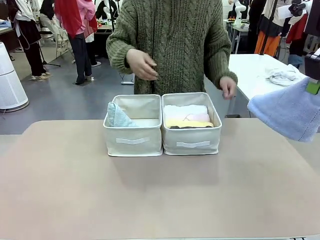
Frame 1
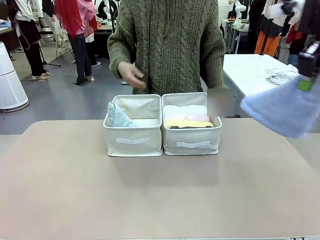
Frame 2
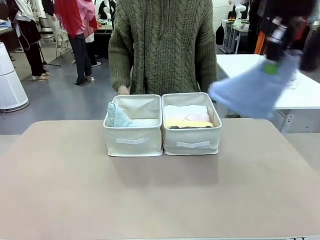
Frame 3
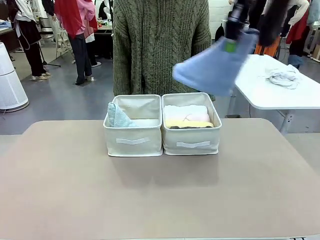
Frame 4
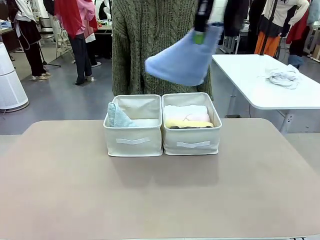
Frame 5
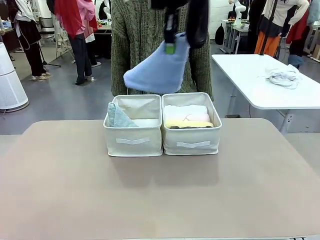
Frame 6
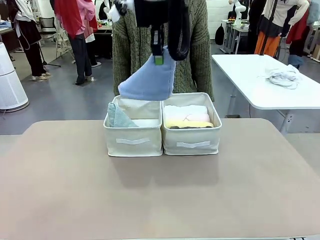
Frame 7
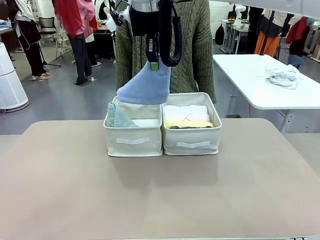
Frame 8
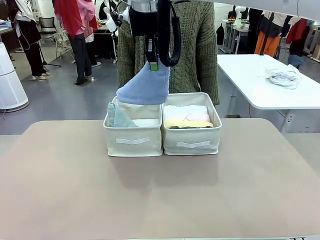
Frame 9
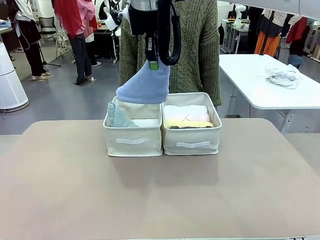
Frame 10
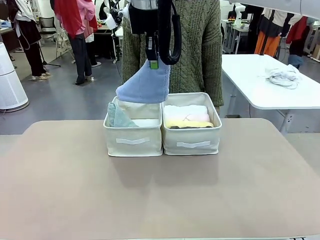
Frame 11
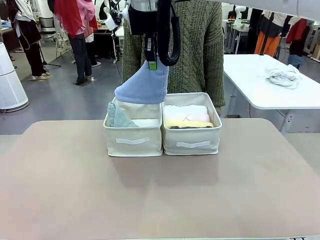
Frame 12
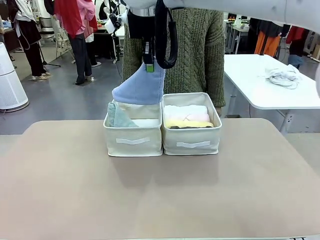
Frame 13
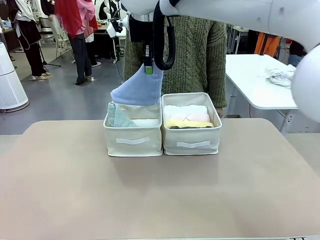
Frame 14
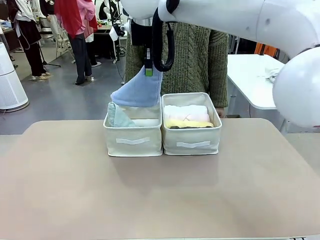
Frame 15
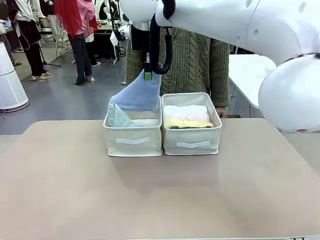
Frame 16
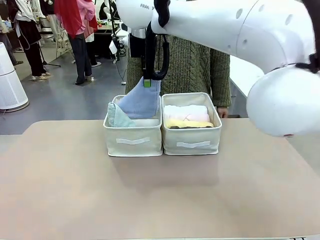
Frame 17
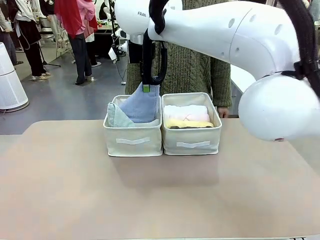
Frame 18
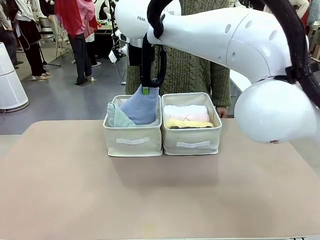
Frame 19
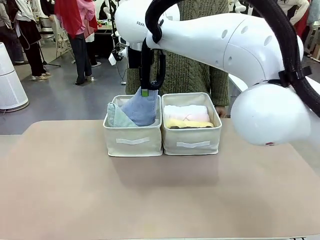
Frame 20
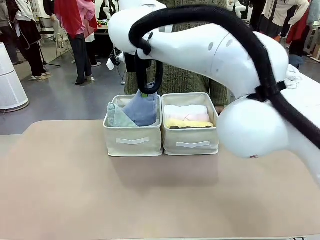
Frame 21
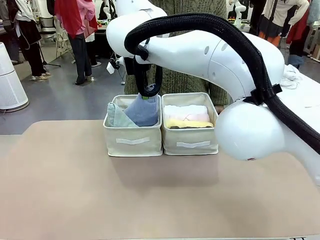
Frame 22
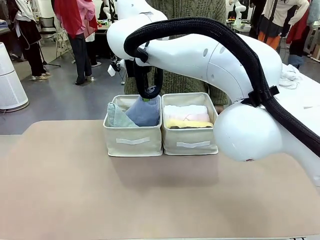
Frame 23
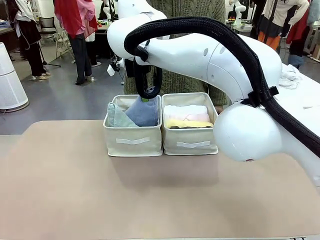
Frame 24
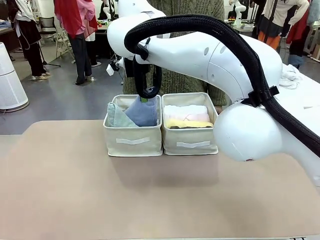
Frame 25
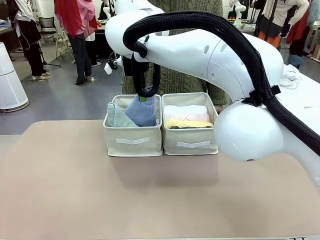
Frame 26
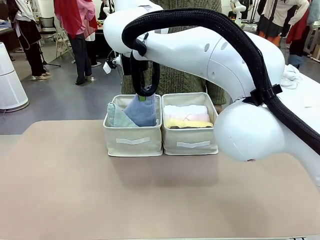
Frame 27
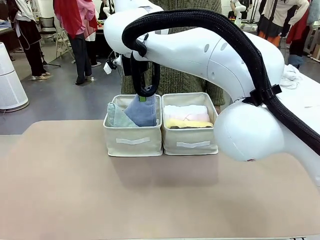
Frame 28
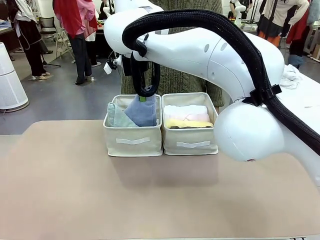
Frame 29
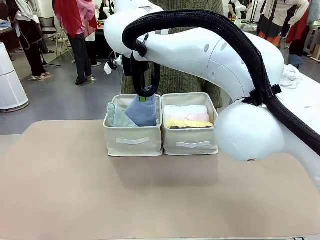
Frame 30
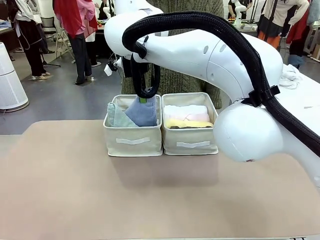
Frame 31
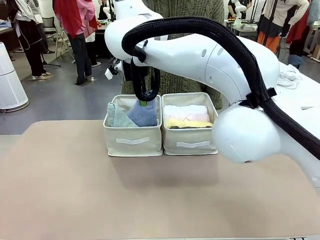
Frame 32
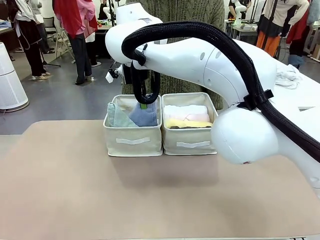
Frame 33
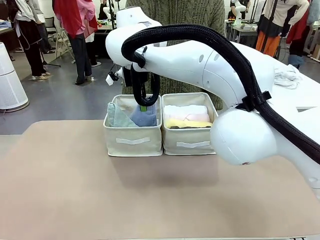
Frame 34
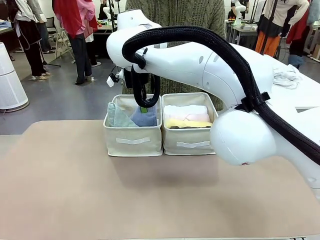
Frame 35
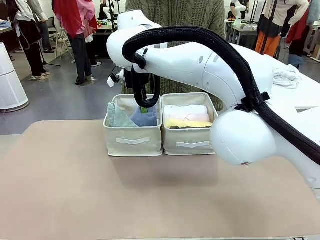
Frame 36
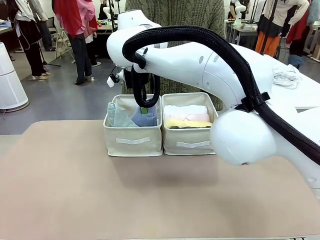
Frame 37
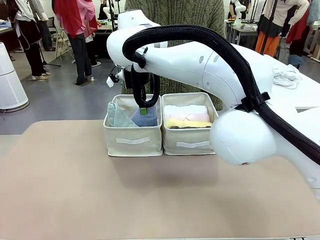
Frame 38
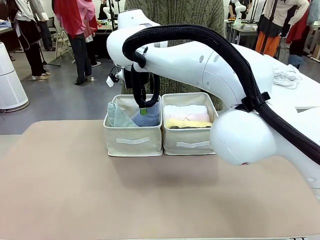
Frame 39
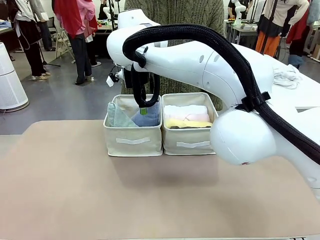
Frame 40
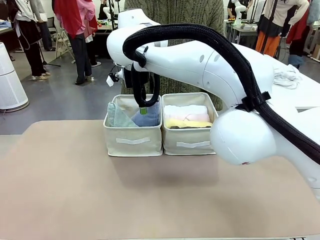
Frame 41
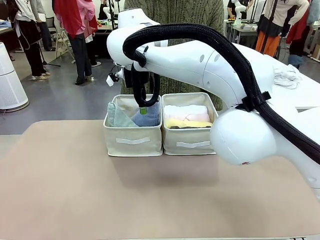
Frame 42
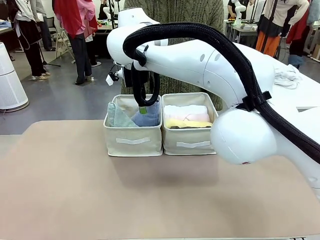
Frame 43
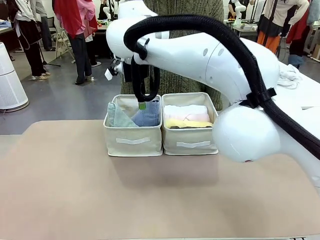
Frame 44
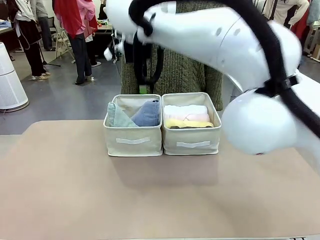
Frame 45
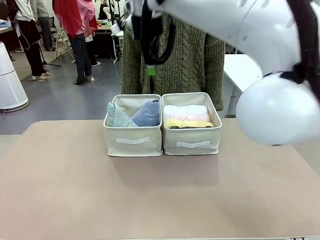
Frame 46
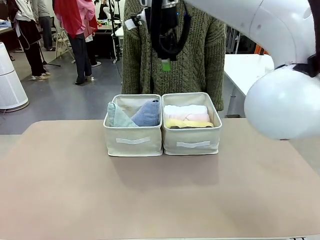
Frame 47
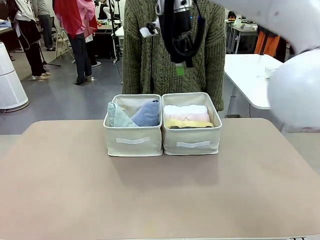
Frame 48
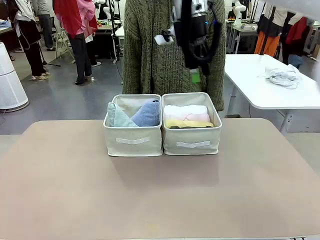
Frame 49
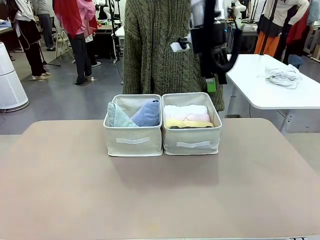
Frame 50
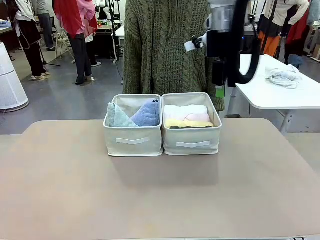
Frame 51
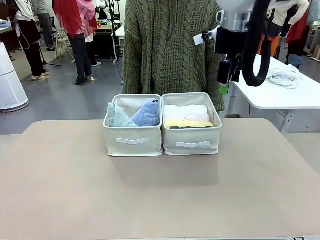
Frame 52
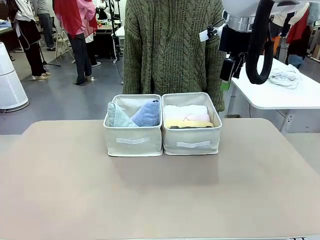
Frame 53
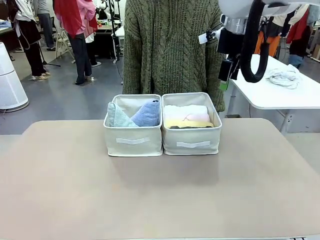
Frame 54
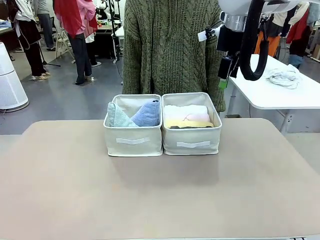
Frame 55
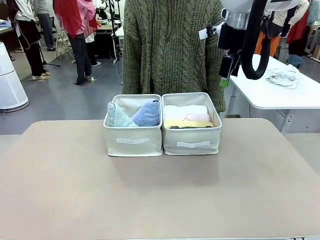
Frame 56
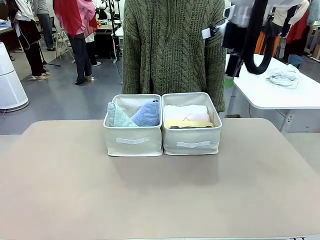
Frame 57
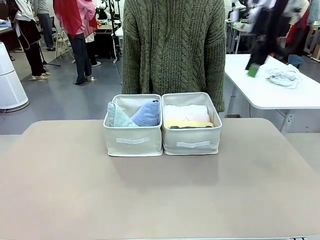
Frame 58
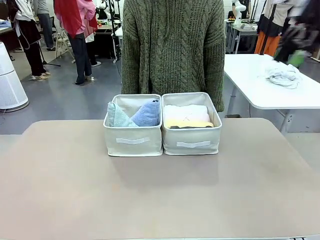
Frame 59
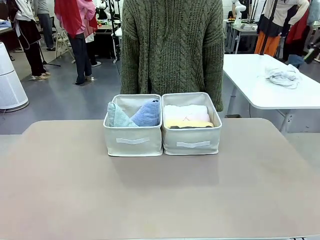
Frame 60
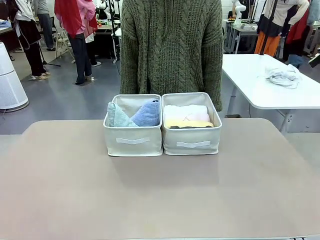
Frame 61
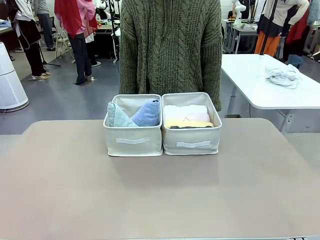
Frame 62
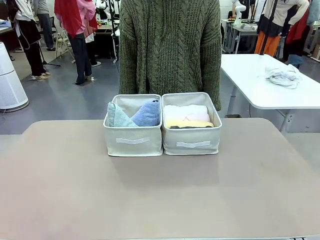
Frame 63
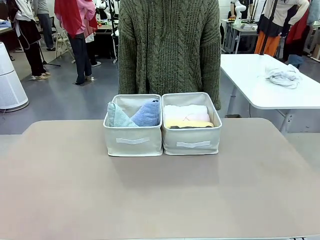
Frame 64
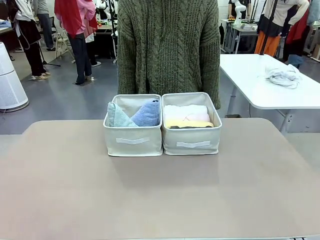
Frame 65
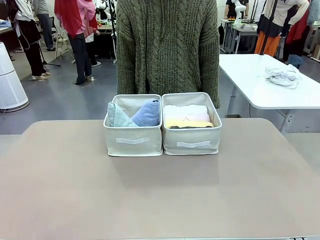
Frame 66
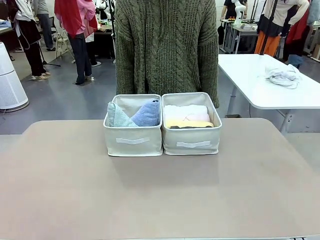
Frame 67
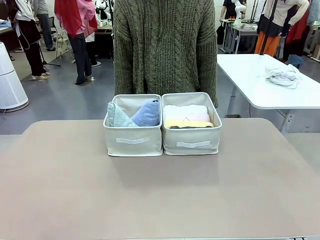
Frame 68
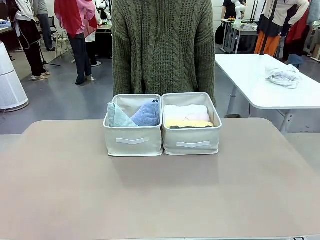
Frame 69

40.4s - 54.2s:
Task: Sort the towels based on their folding style.
Robot: Pick up another triangle-folded towel from the table and place it in the left Fabric basket.

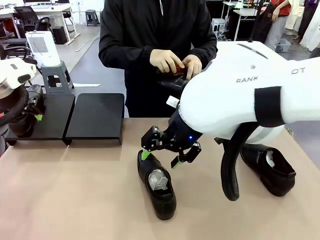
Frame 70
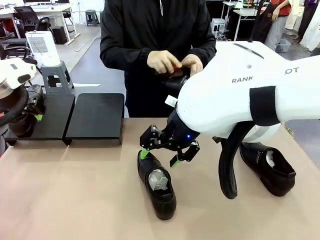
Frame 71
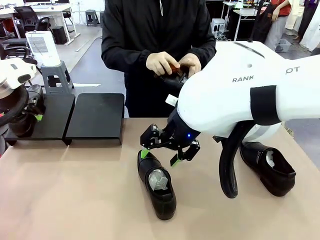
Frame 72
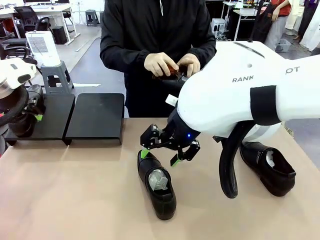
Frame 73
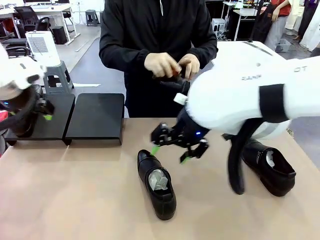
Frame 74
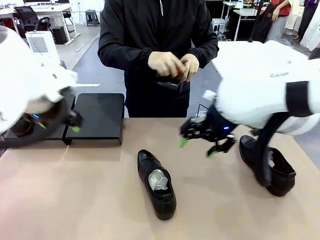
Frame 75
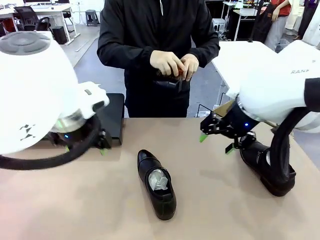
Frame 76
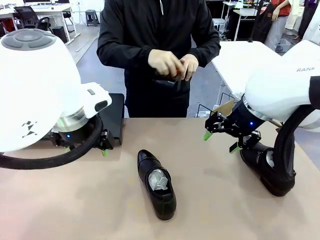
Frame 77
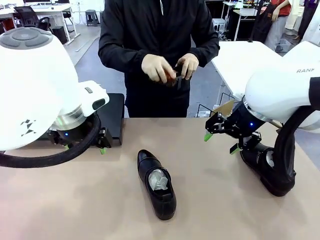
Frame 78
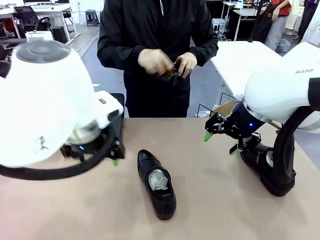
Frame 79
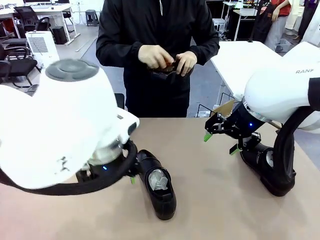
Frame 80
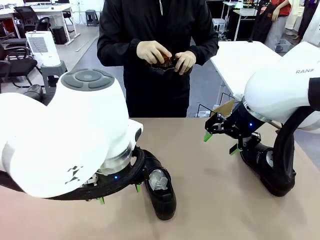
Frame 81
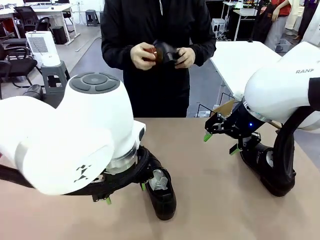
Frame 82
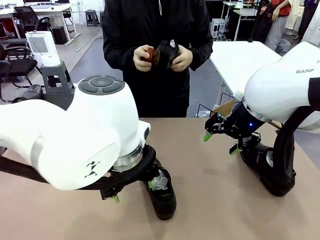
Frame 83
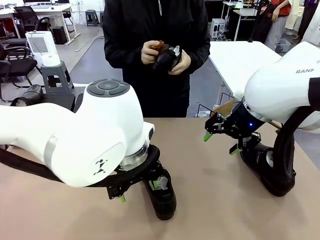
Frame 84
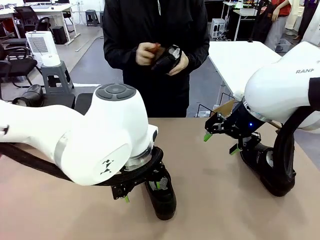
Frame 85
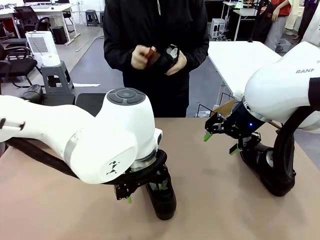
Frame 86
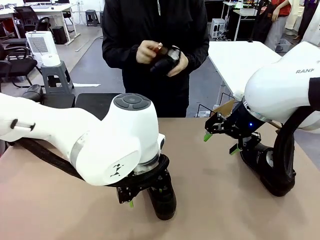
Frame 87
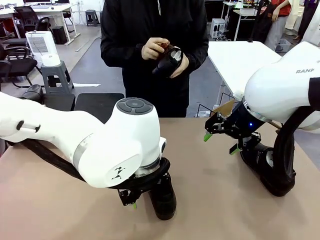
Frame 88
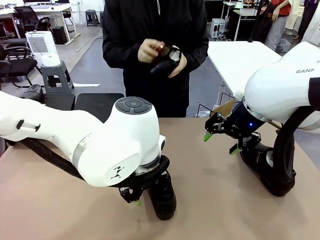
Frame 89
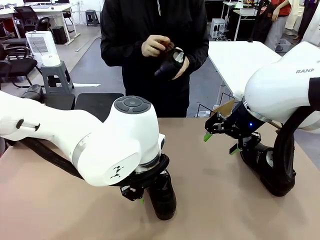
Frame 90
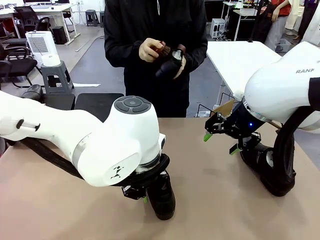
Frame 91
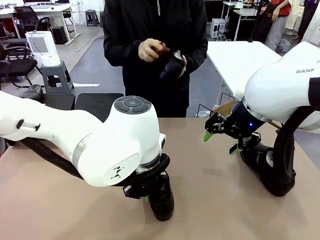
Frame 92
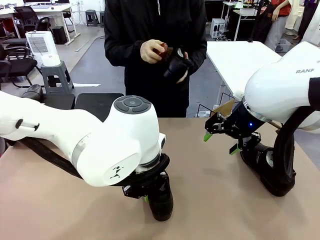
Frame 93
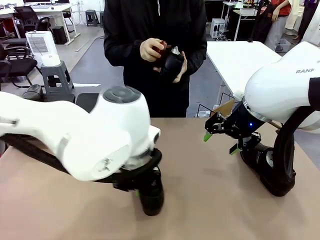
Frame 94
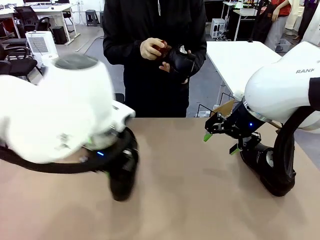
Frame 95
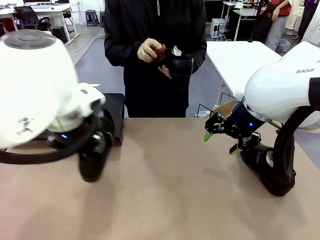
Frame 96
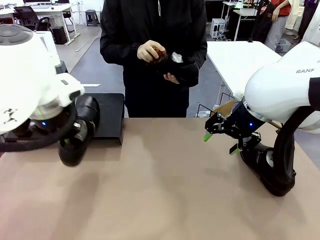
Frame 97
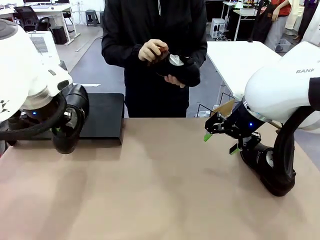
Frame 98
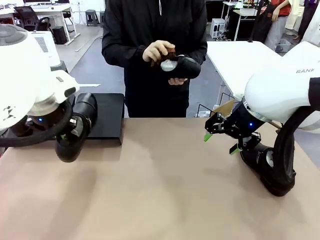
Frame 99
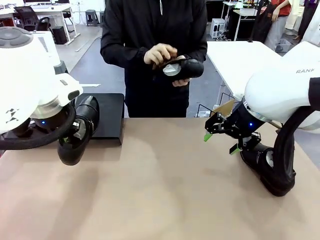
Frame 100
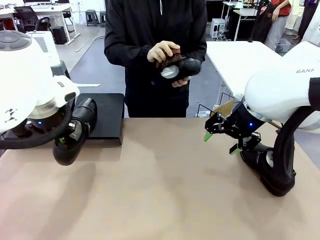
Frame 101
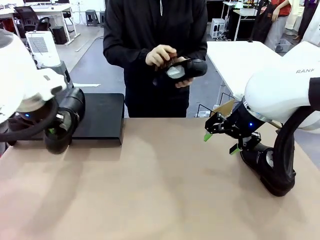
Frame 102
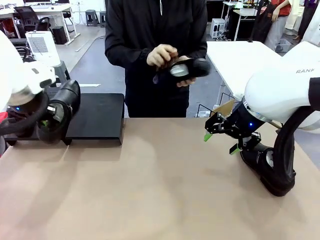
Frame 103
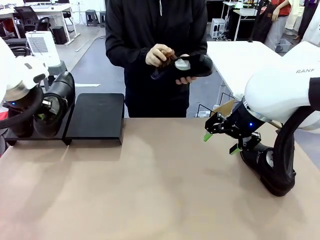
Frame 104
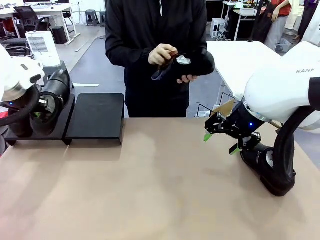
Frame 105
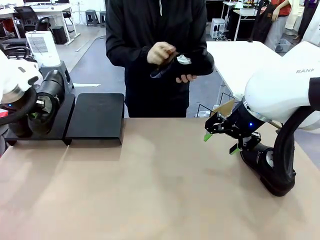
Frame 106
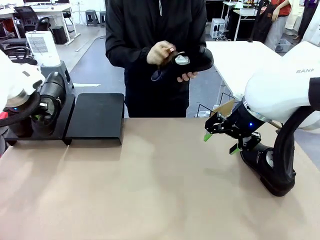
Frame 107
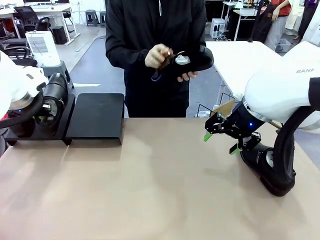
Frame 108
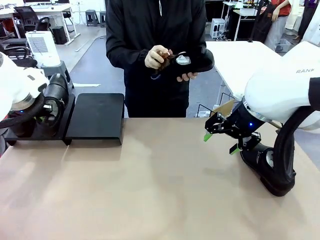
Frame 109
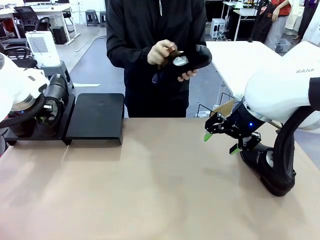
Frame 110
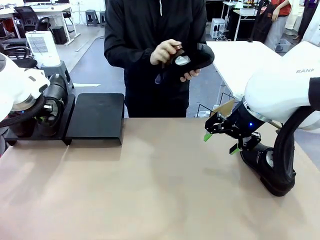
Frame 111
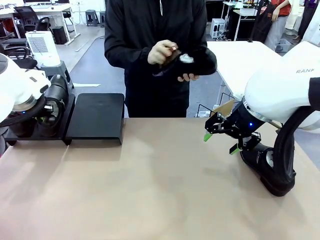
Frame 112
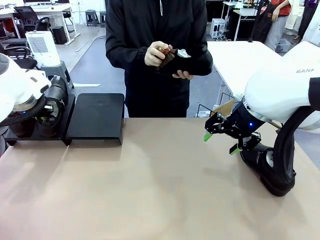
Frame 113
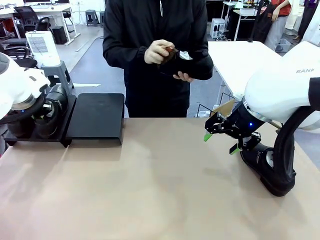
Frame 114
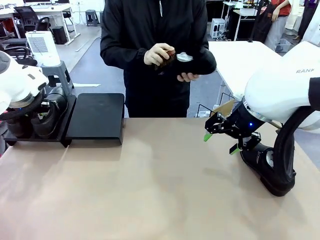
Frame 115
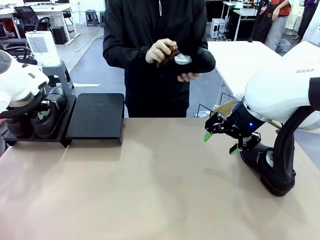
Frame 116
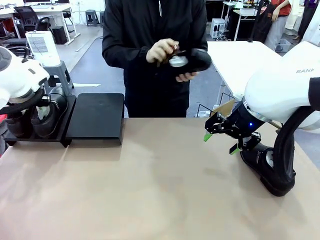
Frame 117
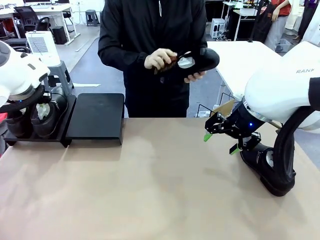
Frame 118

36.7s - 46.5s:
Task: Organize the shoes by placing them on the stand.
Robot: Place the Shoe from the middle of the table onto the Shoes Stand.
